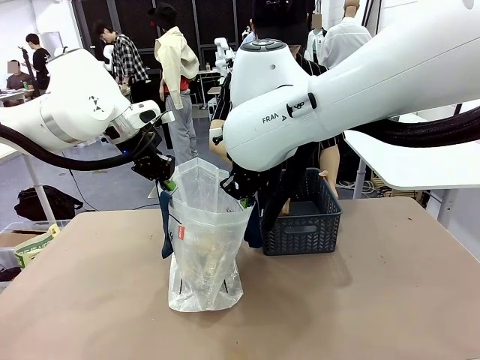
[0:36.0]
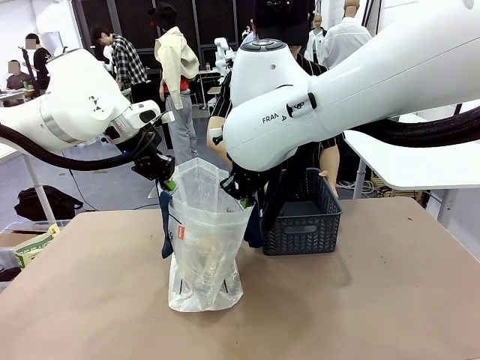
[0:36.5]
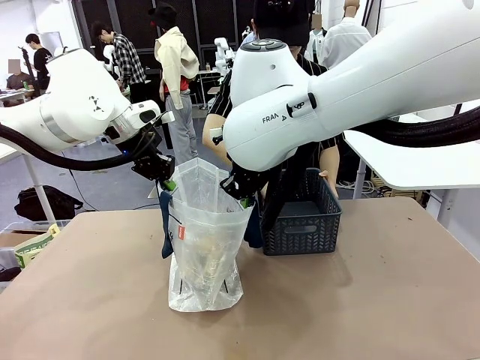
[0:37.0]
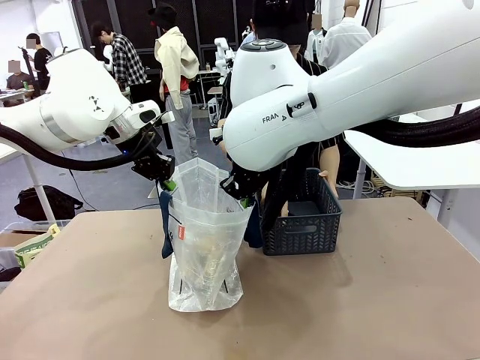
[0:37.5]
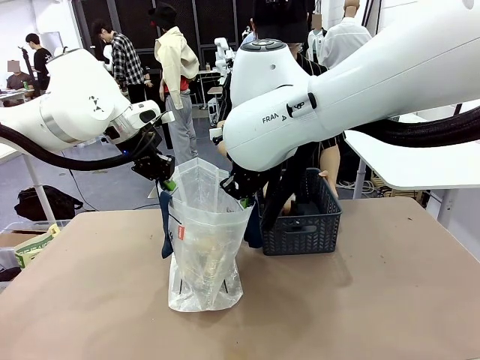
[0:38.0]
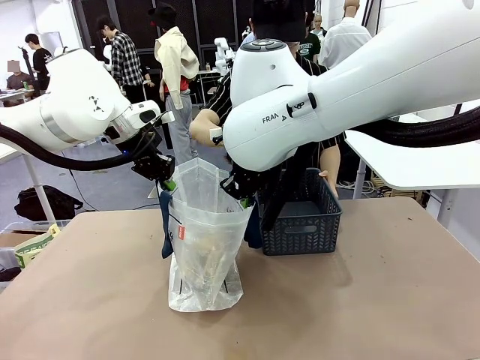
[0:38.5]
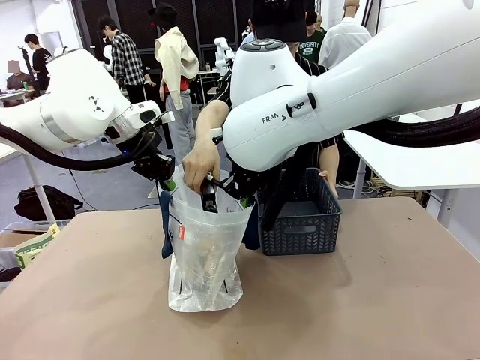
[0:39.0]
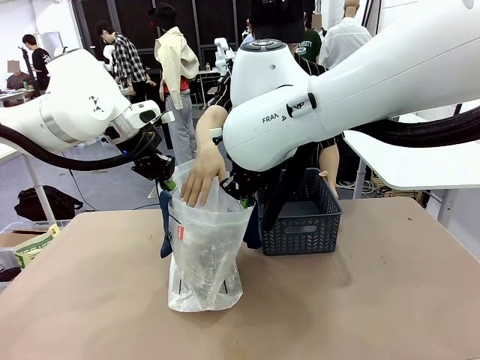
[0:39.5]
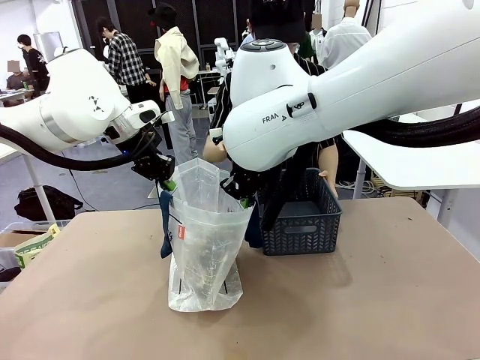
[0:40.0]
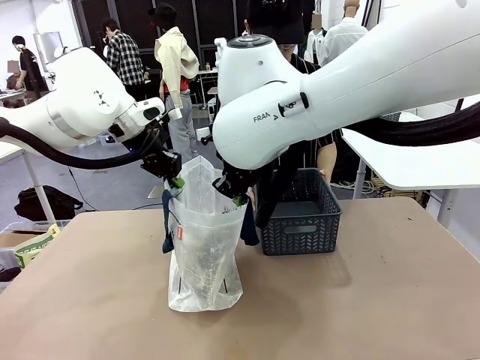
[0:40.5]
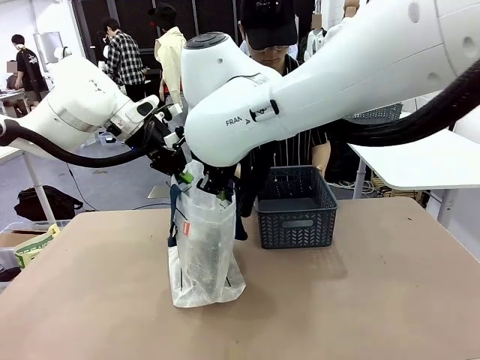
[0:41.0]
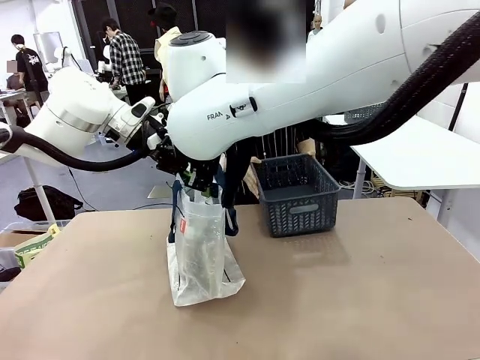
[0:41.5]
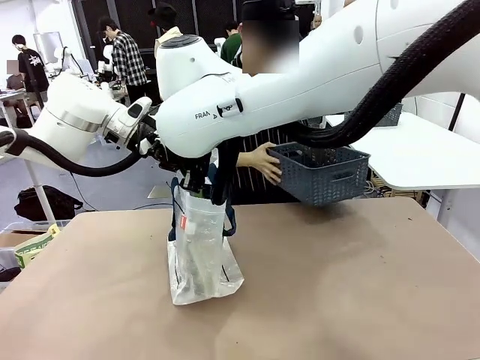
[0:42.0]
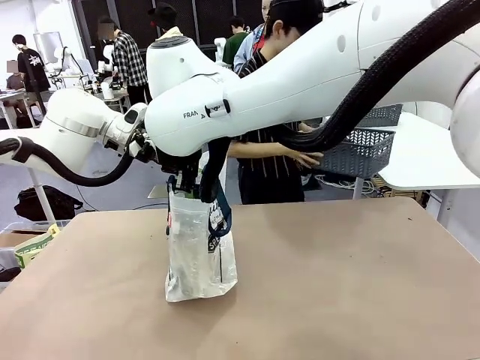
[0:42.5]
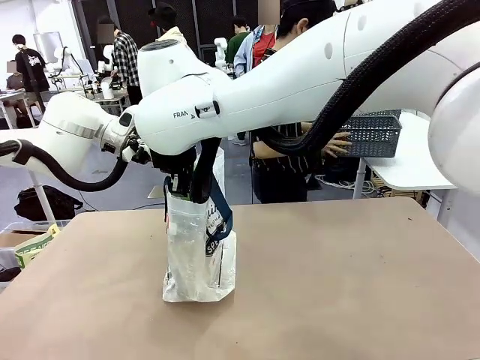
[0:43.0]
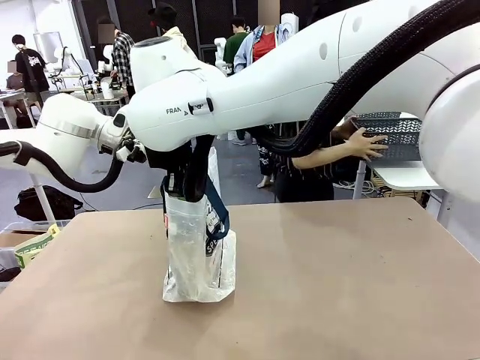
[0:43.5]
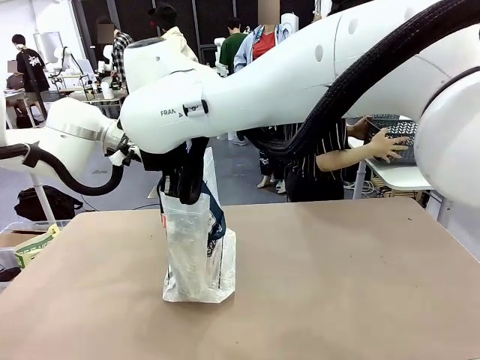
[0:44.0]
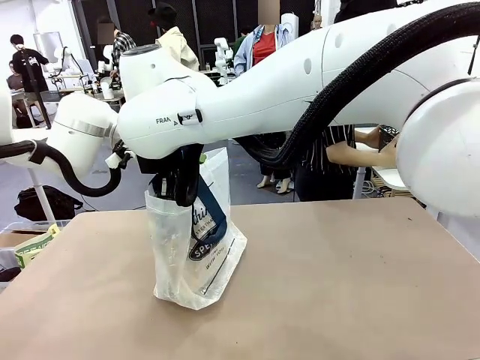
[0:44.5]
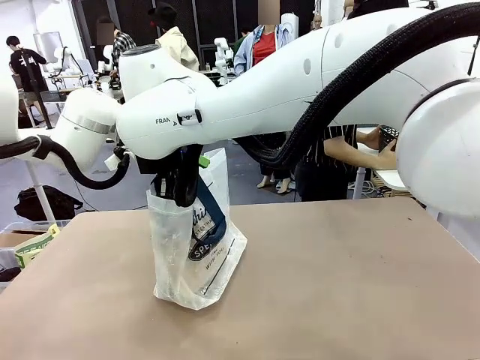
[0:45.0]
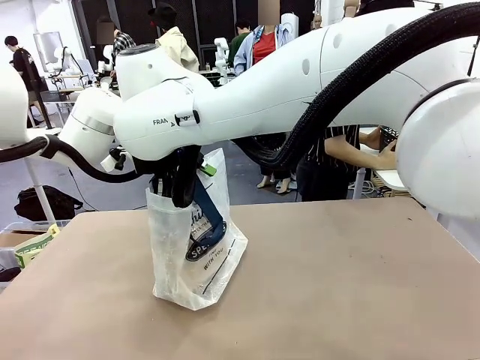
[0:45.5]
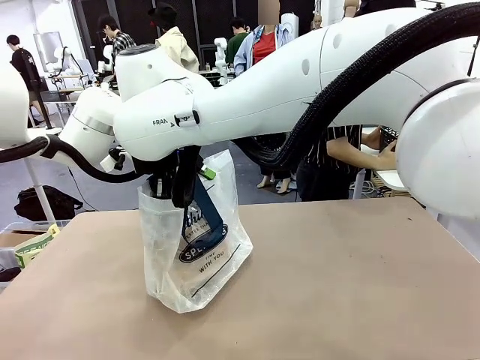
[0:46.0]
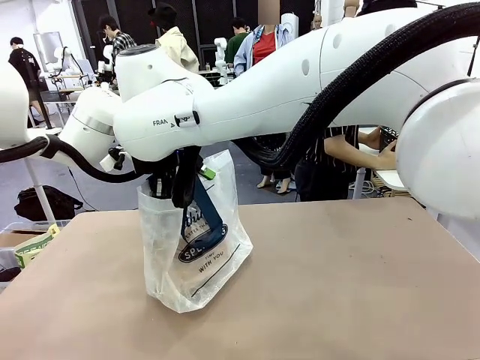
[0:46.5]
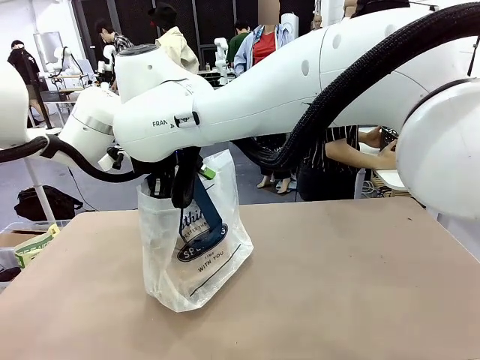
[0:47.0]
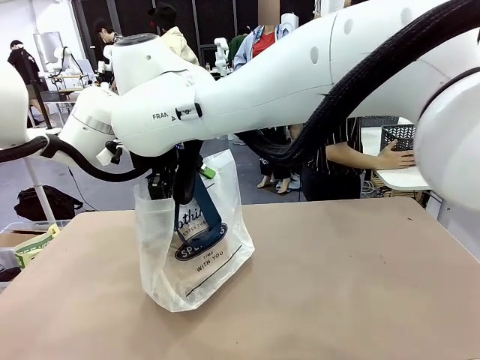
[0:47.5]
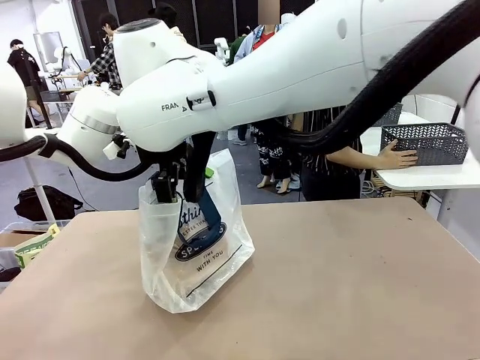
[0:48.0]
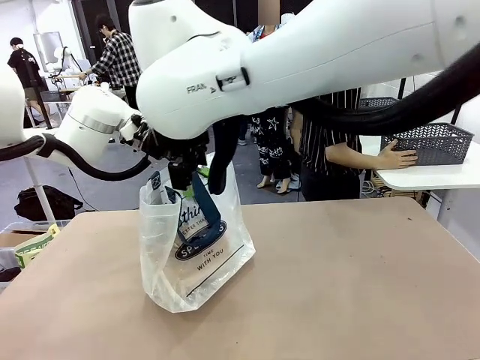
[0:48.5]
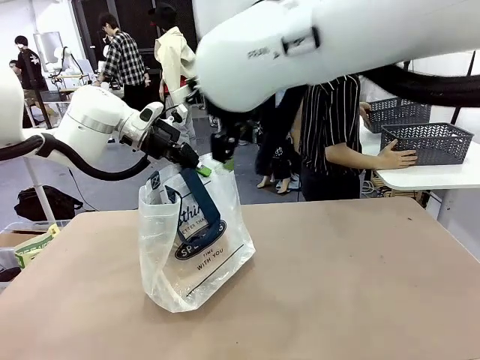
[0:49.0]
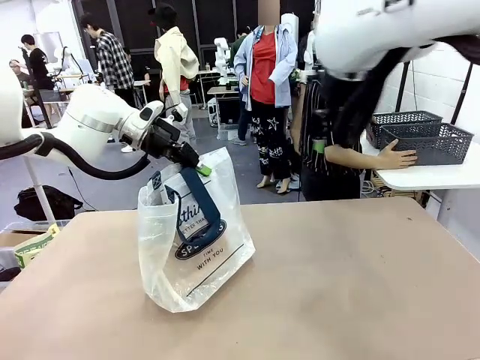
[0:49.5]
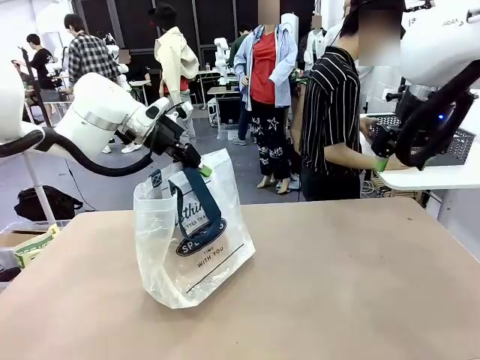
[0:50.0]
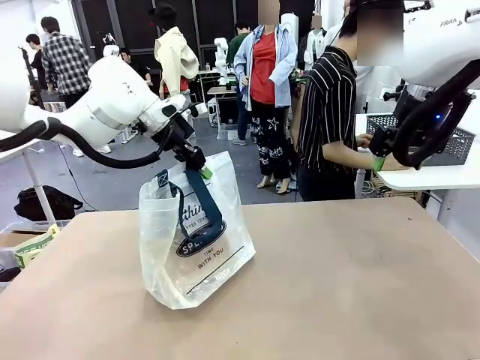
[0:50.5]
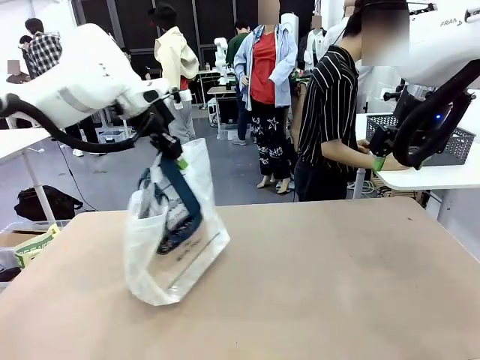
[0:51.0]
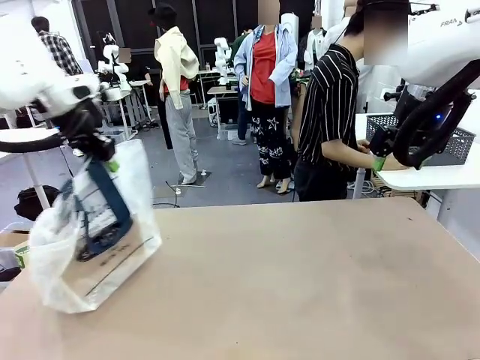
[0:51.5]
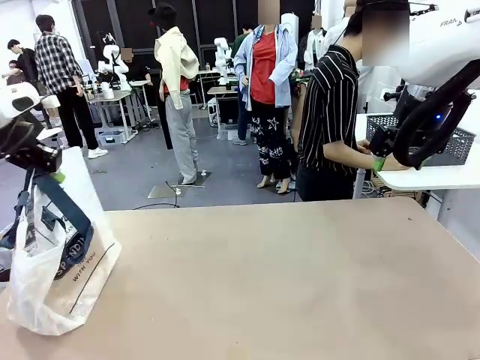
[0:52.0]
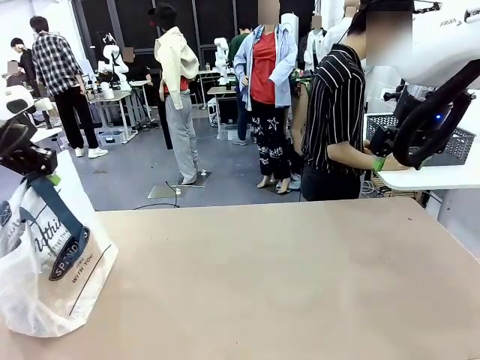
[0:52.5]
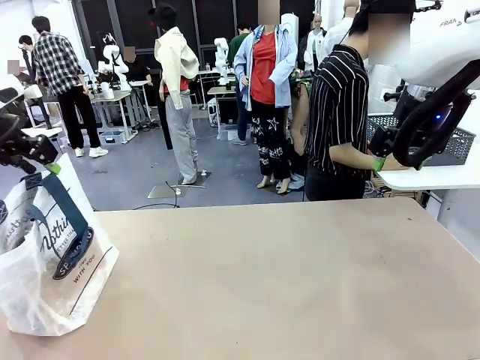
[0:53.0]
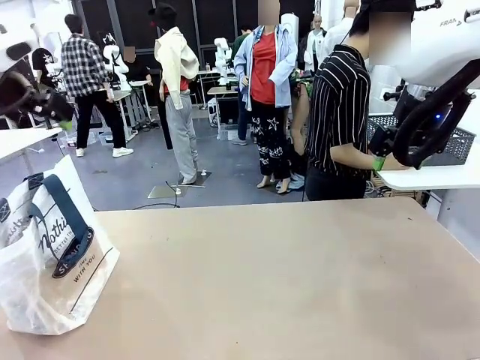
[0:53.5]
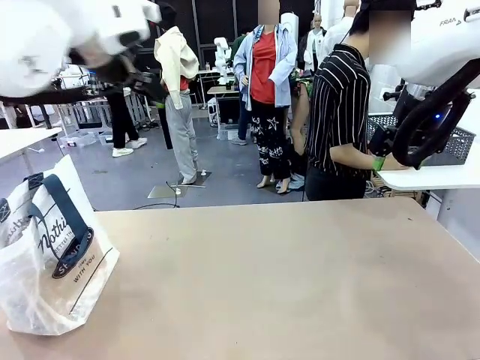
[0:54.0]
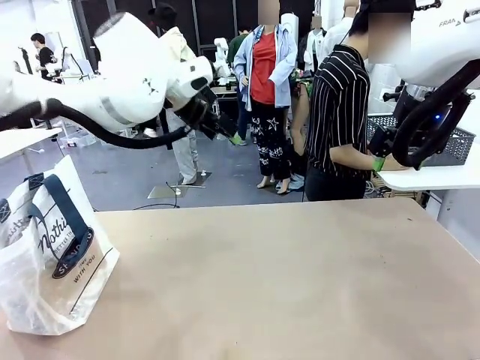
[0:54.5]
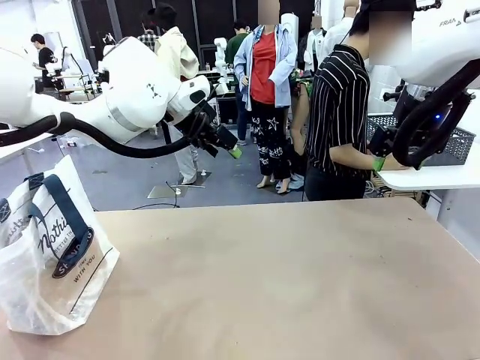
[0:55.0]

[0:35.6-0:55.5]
Task: Transfer purchased items from the store into the shopping bag.
Robot: Move the Reusable shopping bag to the right side of the table.
Person: Move the basket on the left to the middle of the person's table.

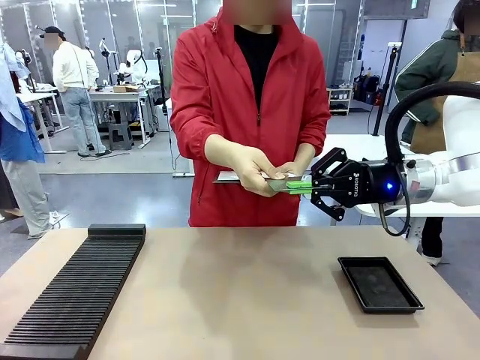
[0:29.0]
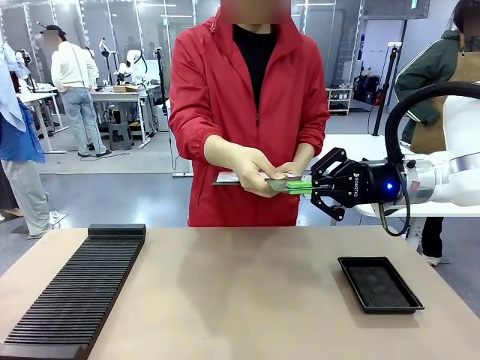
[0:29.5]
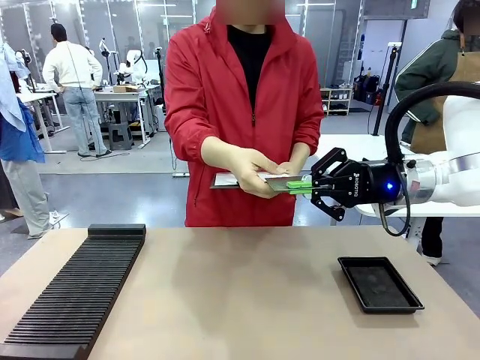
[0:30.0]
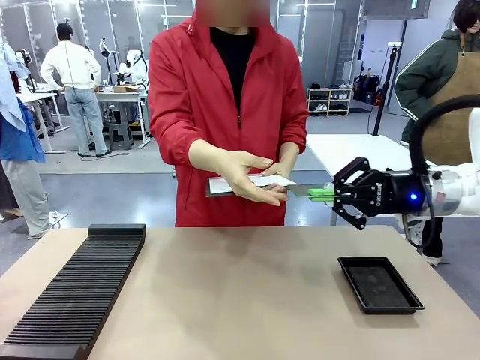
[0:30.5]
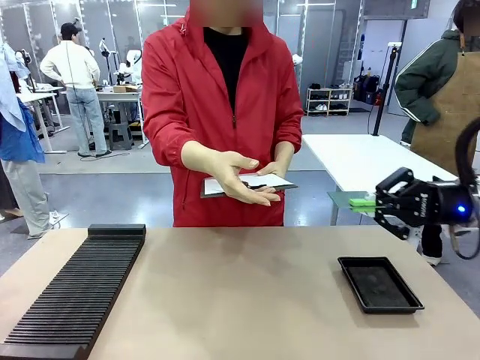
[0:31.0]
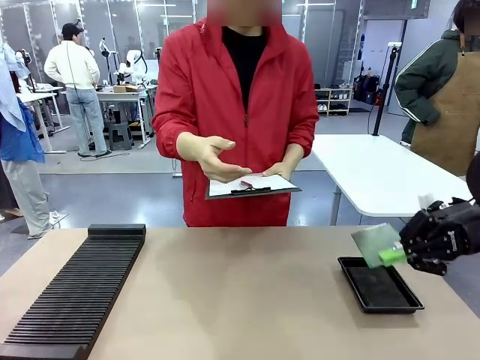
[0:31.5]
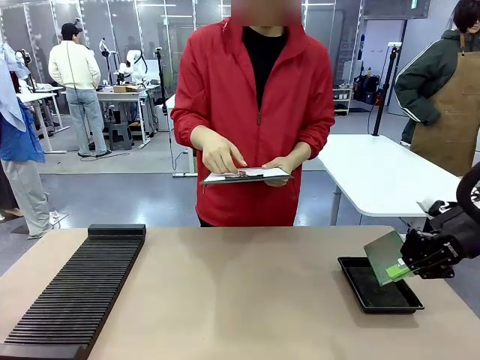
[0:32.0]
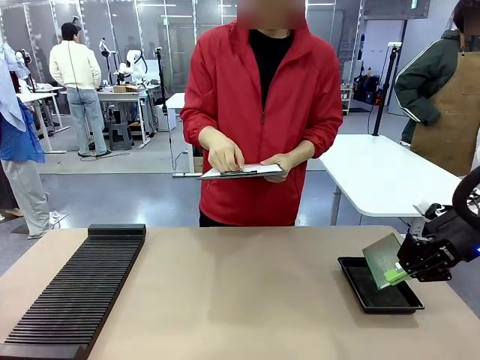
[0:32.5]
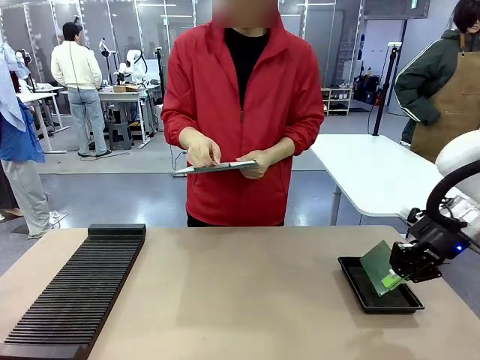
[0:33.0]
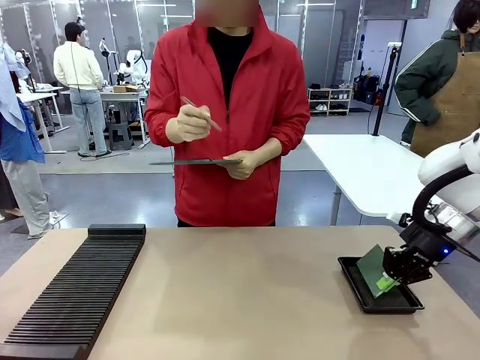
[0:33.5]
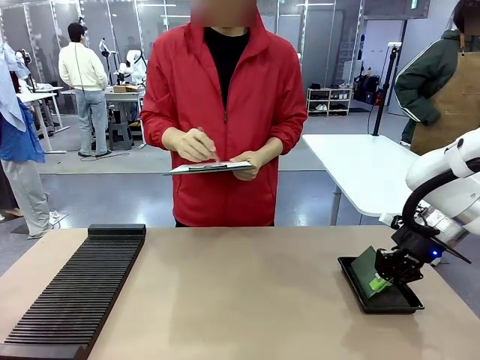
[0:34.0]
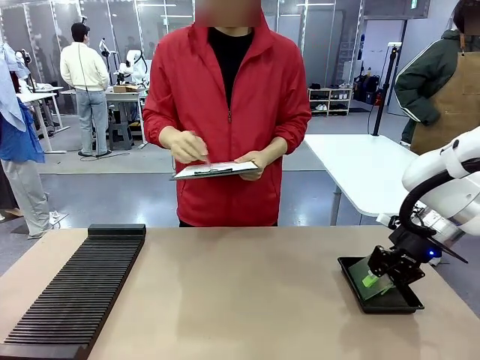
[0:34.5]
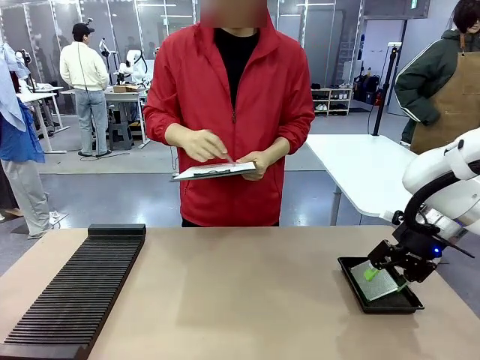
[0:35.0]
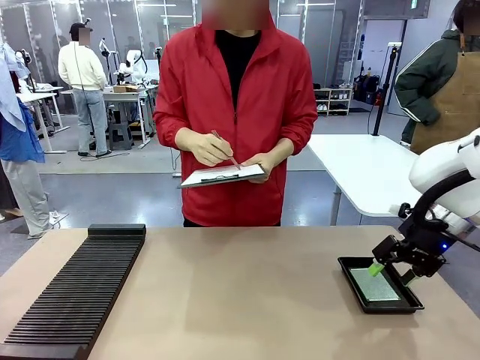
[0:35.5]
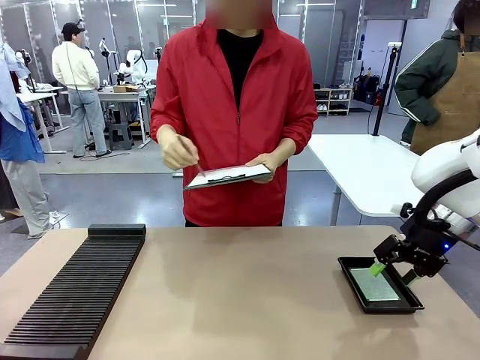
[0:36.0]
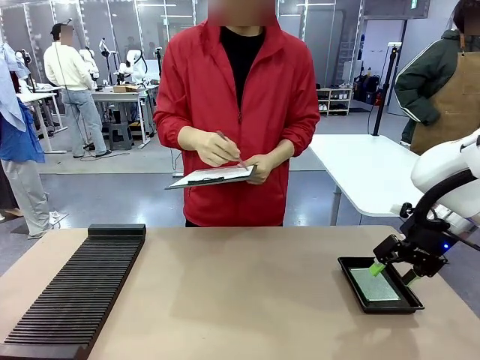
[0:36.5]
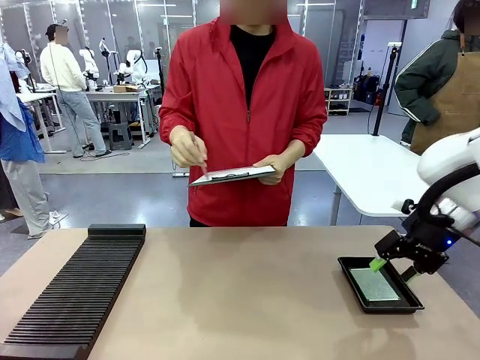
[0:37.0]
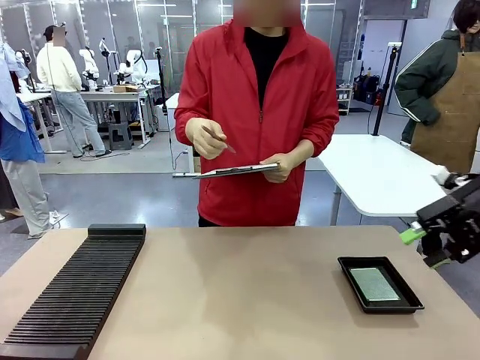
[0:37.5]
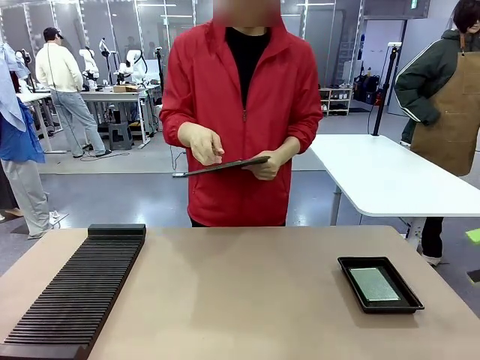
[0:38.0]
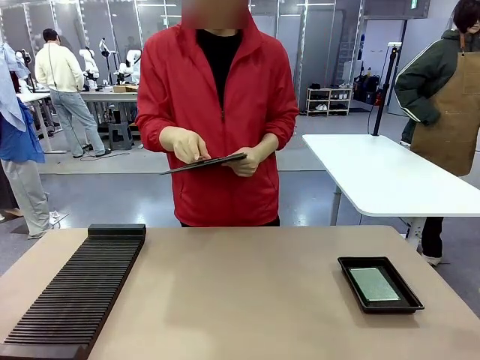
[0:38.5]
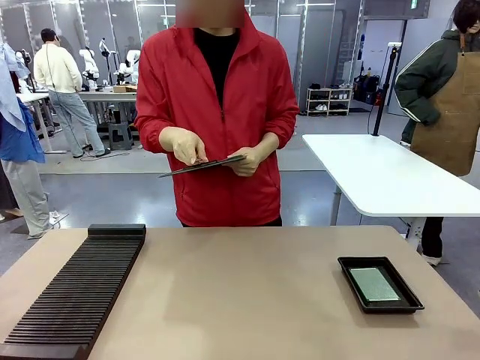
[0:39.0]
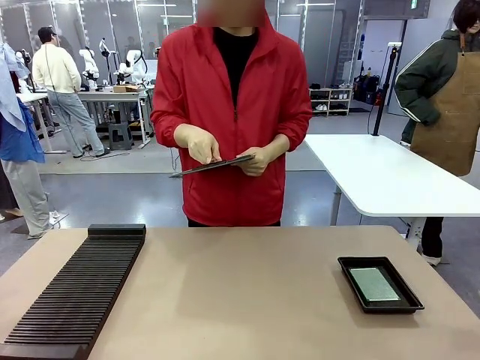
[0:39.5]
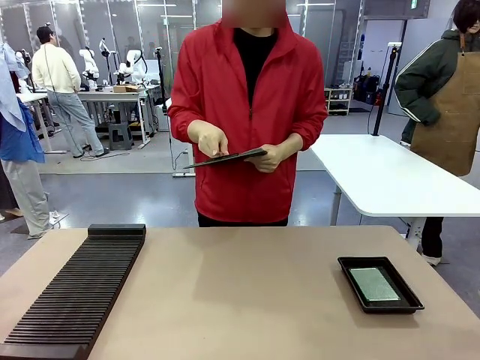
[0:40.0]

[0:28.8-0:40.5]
Task: Inspect the PCB.
Robot: Place the Blank PCB in the ESD tray.
Person: Record the PCB status on the paper.
